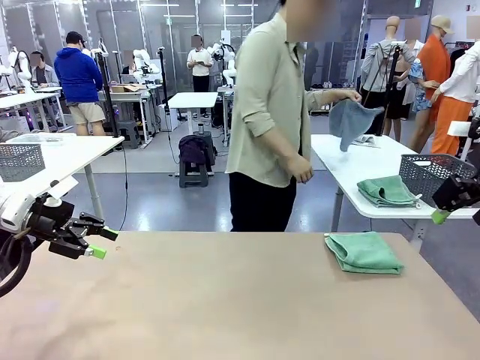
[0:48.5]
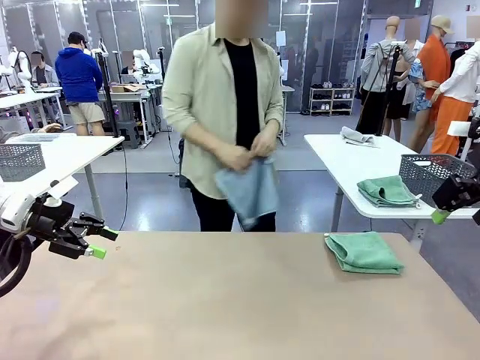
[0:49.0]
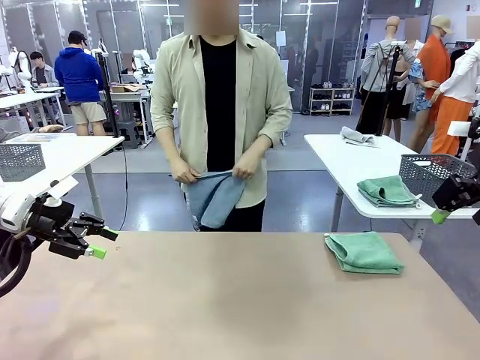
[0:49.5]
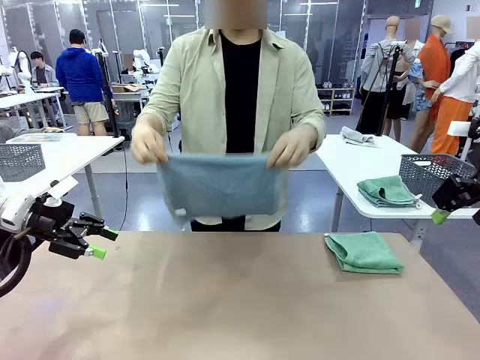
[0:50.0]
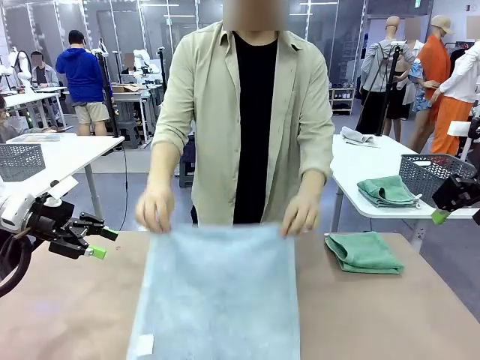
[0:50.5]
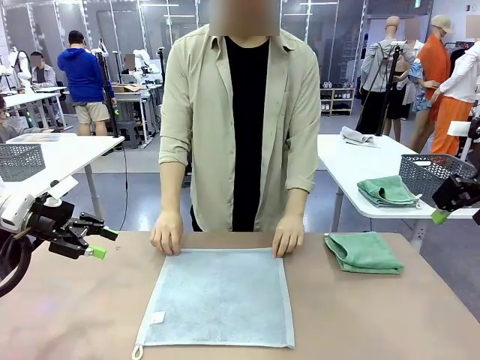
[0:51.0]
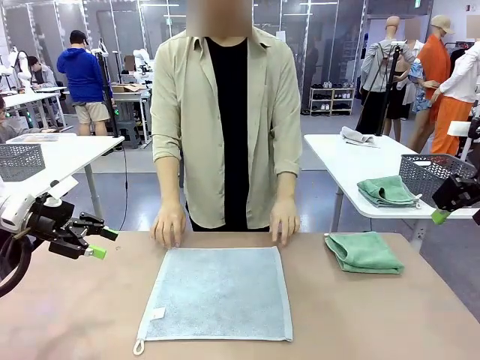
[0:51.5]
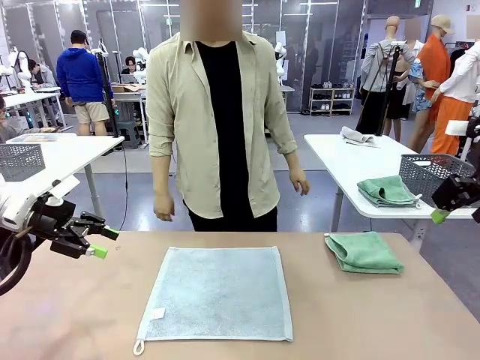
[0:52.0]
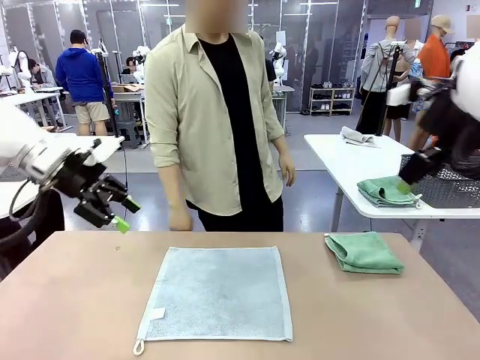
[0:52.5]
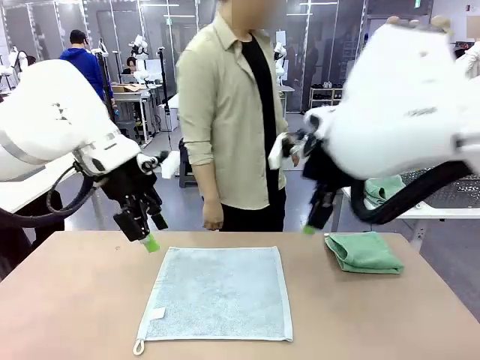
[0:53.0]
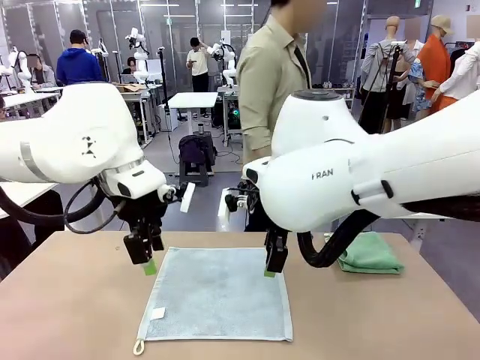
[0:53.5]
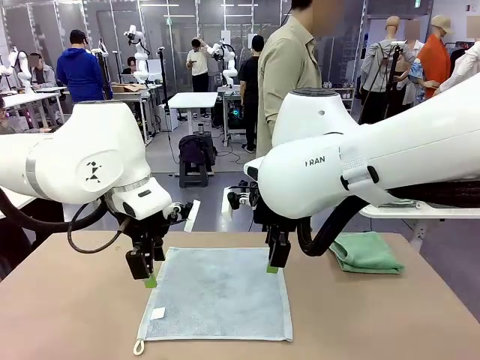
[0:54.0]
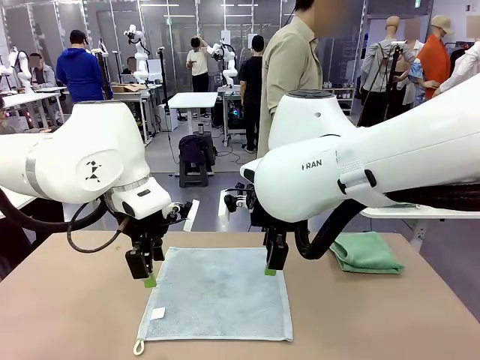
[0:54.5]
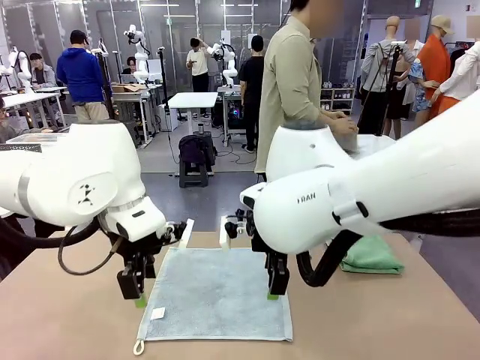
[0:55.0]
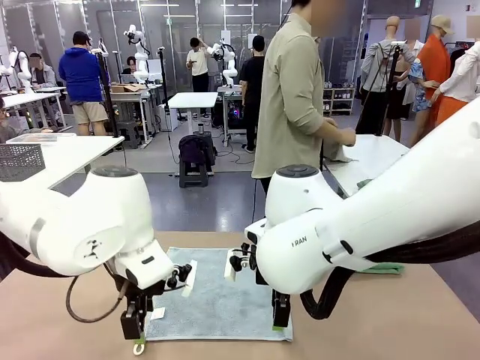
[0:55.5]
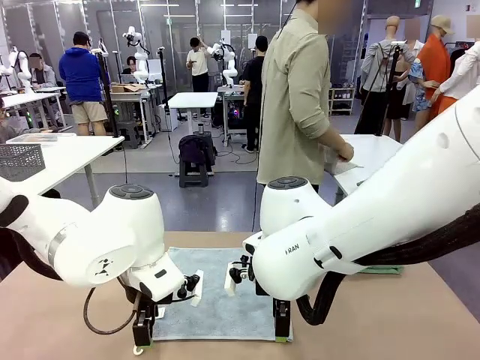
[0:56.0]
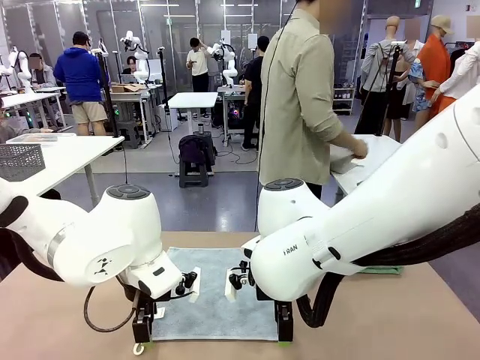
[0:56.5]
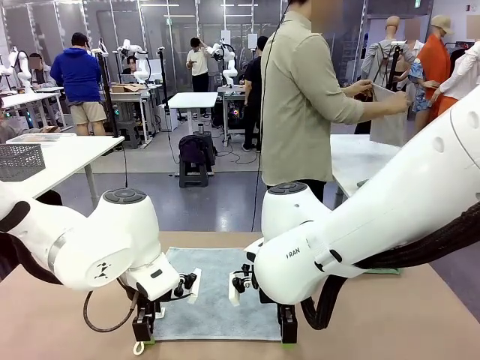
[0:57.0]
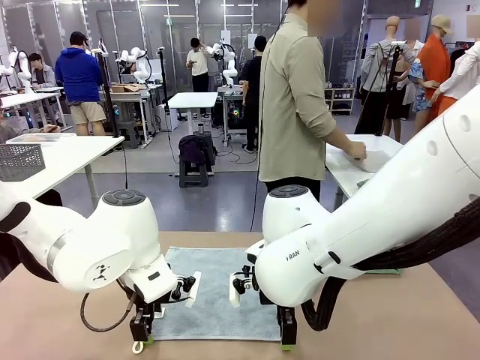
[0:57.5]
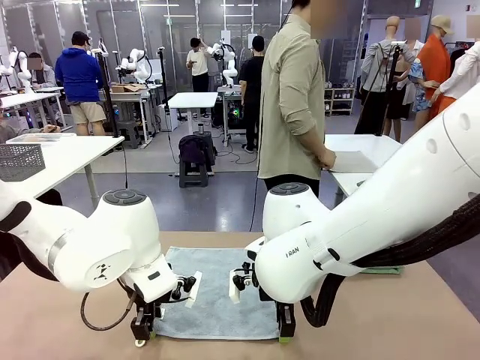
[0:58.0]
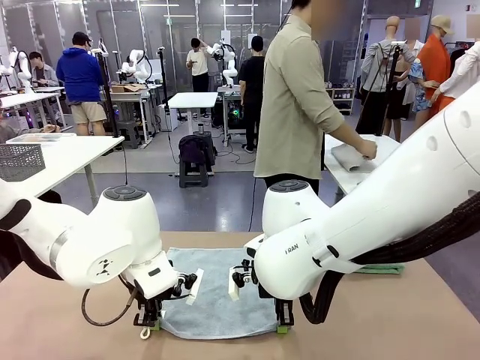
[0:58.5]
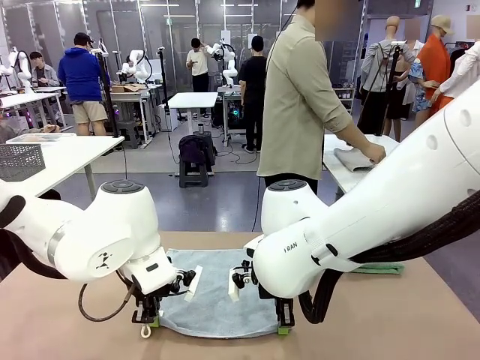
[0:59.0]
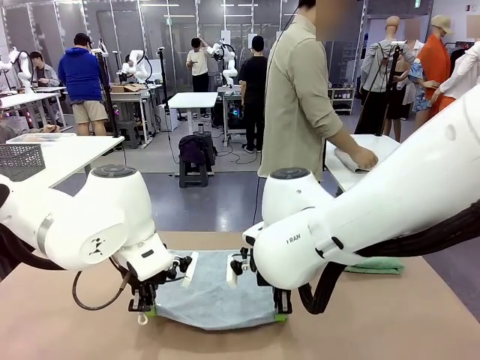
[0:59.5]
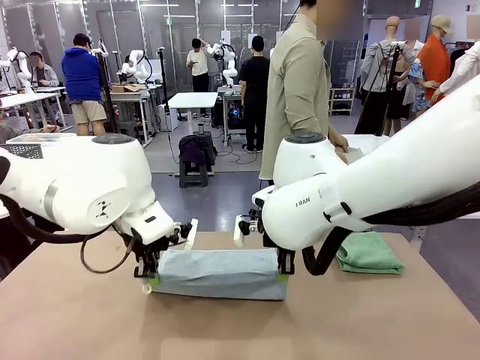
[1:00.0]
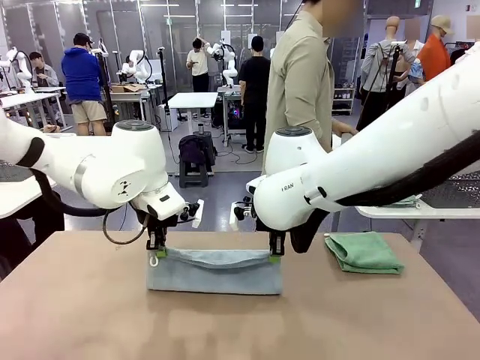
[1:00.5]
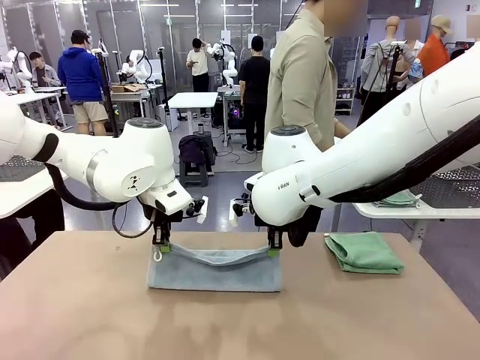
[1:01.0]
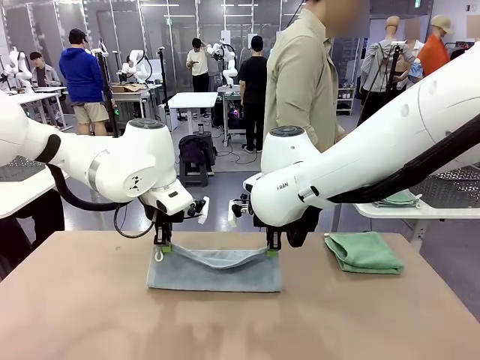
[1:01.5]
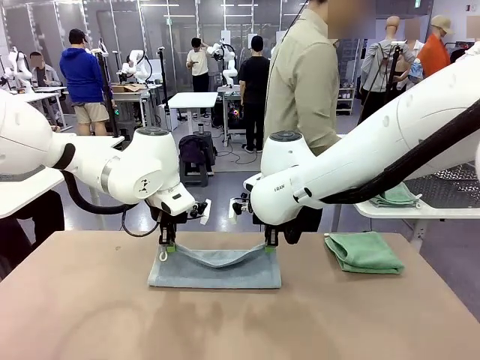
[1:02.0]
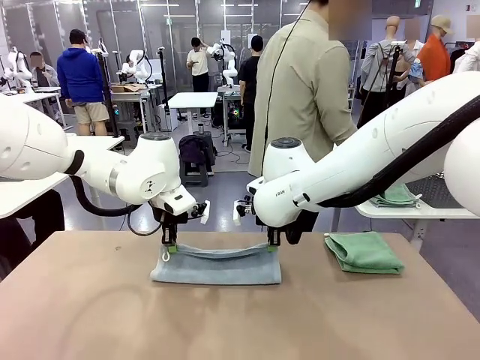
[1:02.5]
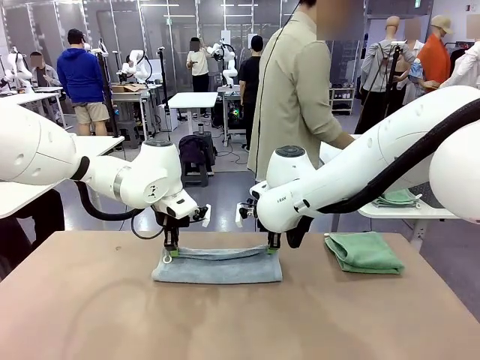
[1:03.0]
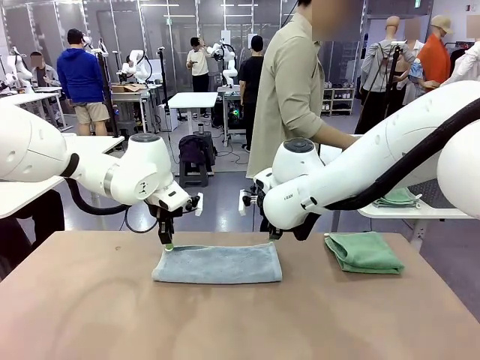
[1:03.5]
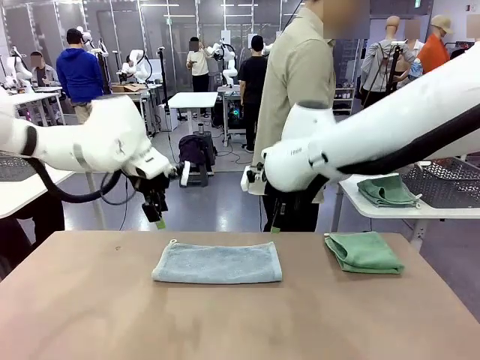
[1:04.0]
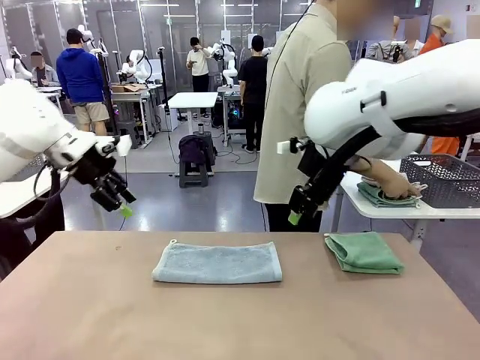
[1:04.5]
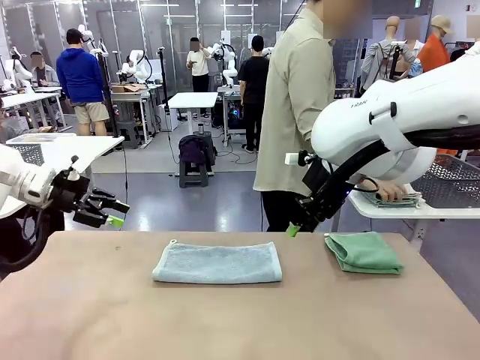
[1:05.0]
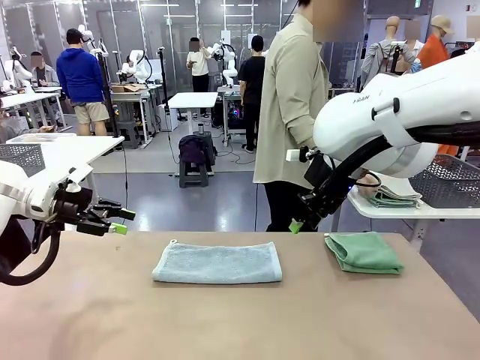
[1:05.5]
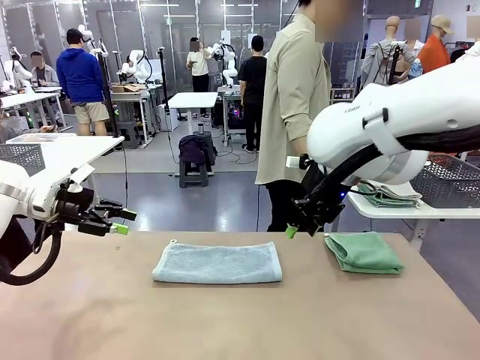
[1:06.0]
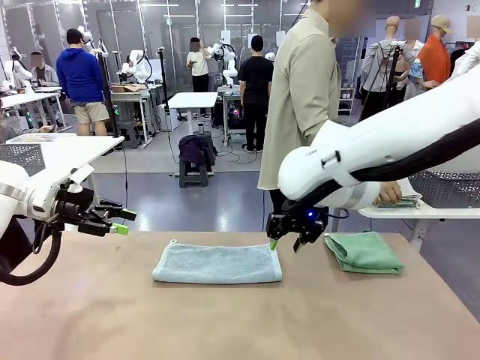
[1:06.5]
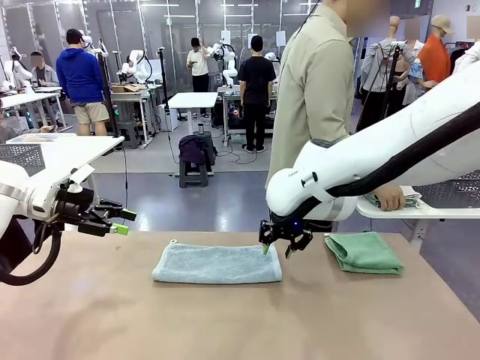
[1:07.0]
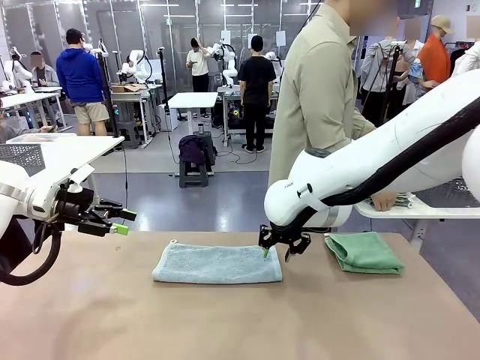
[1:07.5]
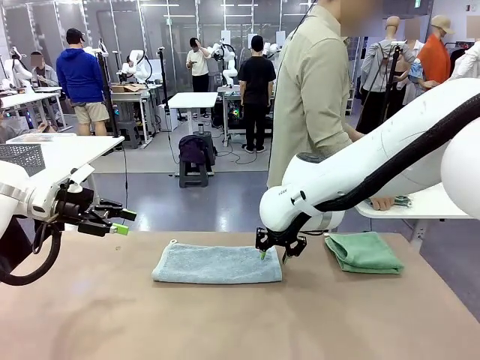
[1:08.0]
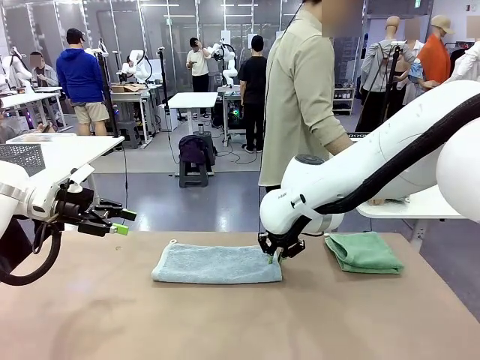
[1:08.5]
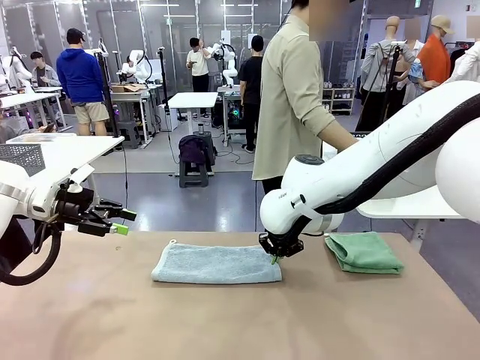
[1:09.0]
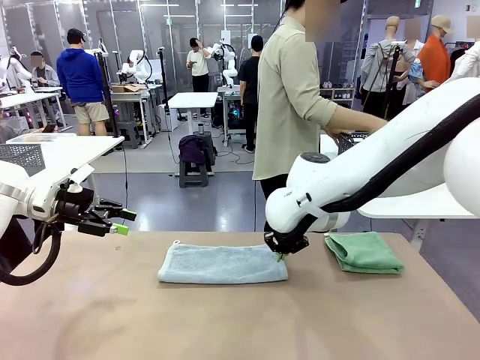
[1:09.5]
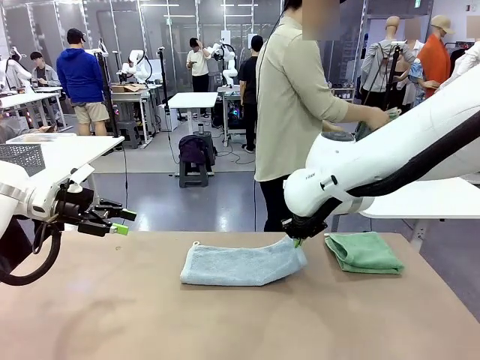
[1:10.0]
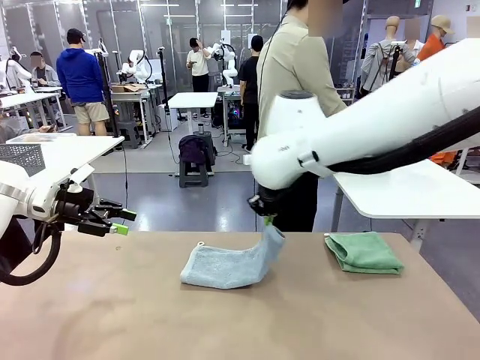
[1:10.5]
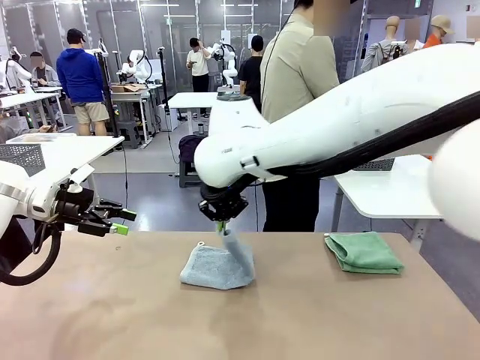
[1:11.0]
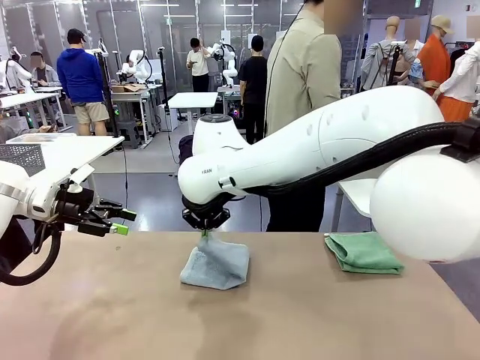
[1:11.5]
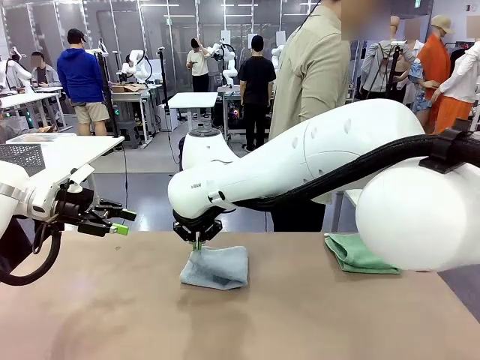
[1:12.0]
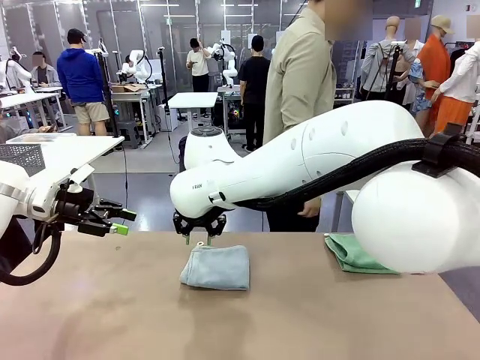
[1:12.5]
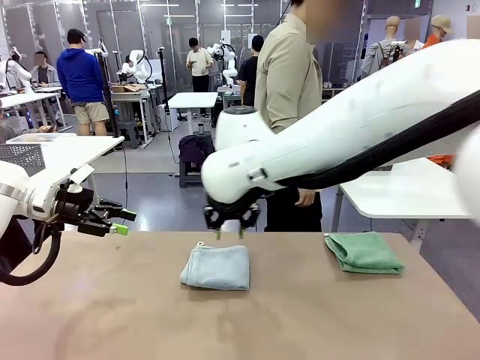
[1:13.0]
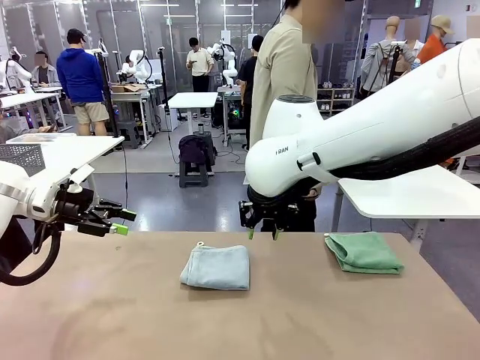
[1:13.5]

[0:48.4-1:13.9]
Task: Fold the towels and place them in the basket.
Robot: When a person lays out a Towel with hook on the table, fold it in half twice.
Person: Pick up one towel from the left side of the human table and spread it out at the center of the robot table. Pick up one towel from the left side of the human table, fold it in half twice, and stack it on the right side of the table. Pick up the stack of towels from the right side of the human table, place it into the basket, and put the basket at the center of the table.
